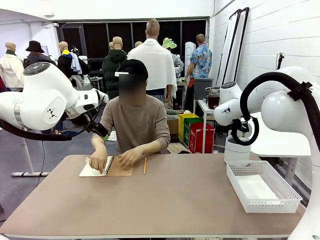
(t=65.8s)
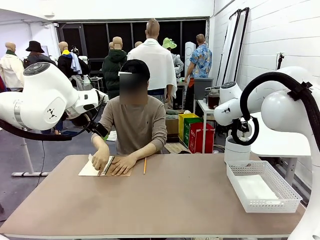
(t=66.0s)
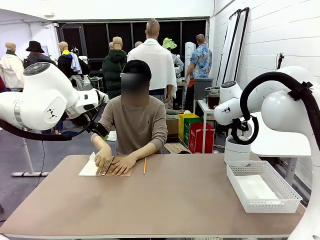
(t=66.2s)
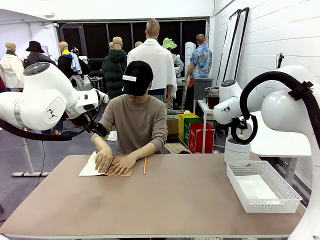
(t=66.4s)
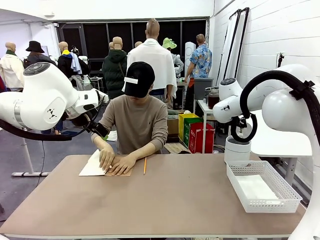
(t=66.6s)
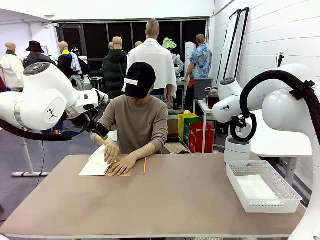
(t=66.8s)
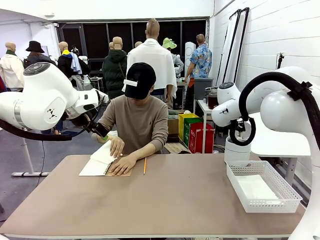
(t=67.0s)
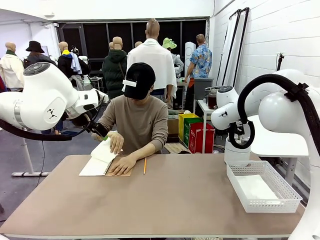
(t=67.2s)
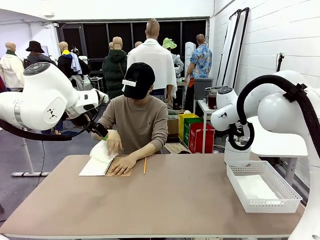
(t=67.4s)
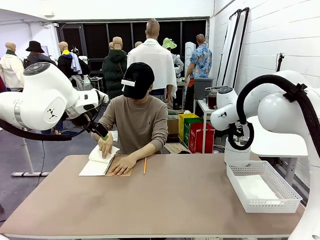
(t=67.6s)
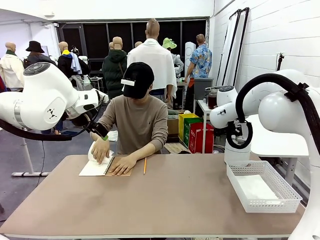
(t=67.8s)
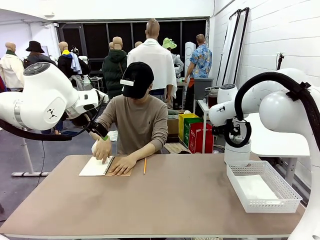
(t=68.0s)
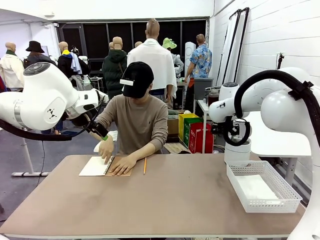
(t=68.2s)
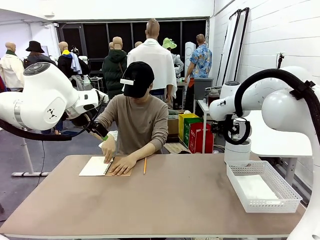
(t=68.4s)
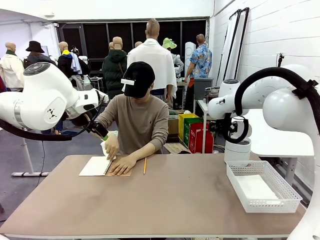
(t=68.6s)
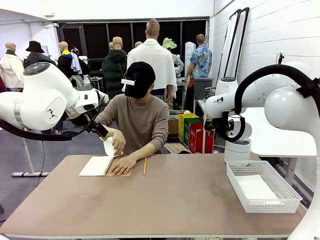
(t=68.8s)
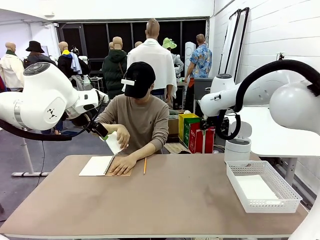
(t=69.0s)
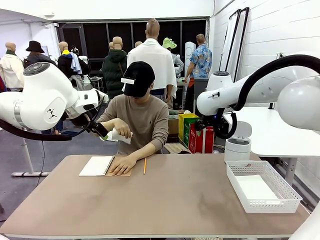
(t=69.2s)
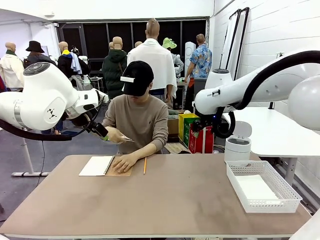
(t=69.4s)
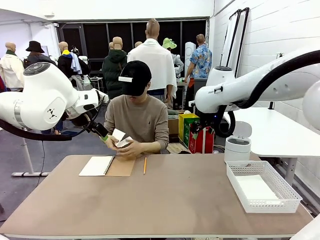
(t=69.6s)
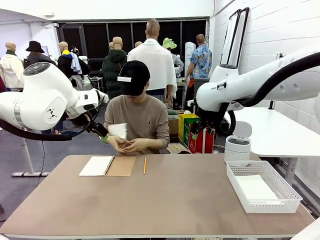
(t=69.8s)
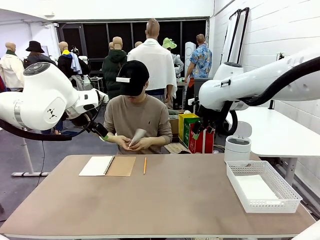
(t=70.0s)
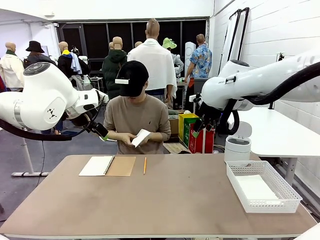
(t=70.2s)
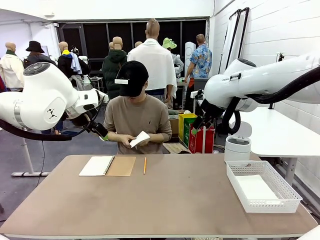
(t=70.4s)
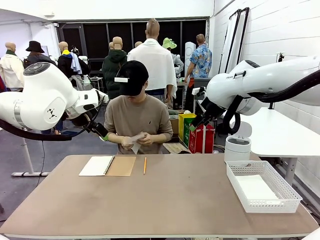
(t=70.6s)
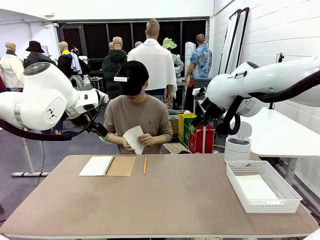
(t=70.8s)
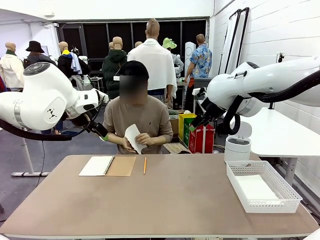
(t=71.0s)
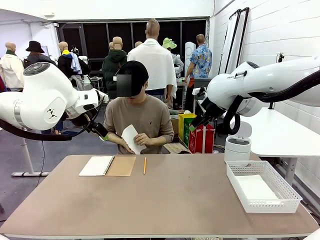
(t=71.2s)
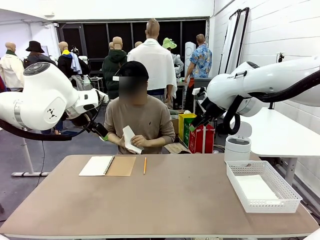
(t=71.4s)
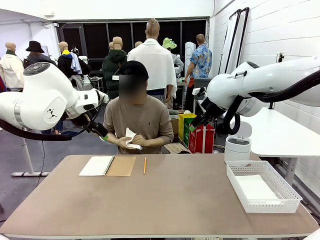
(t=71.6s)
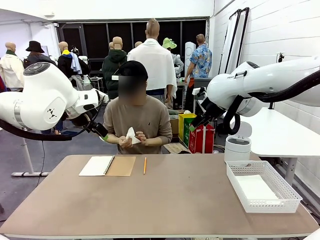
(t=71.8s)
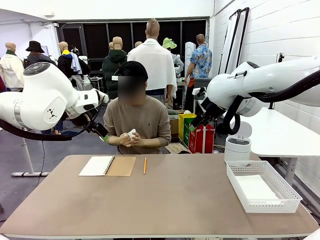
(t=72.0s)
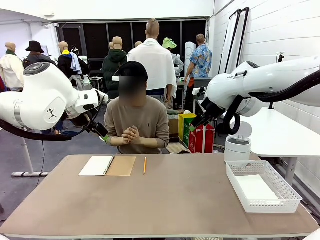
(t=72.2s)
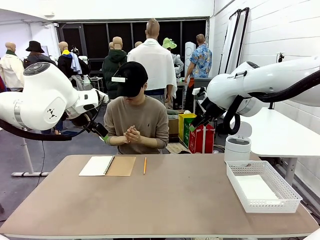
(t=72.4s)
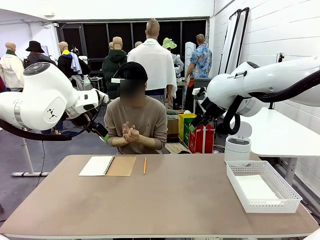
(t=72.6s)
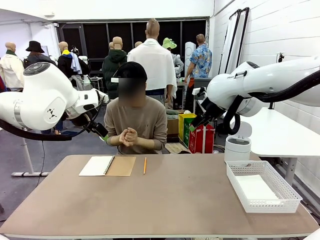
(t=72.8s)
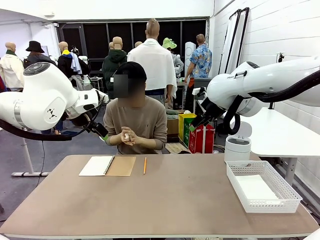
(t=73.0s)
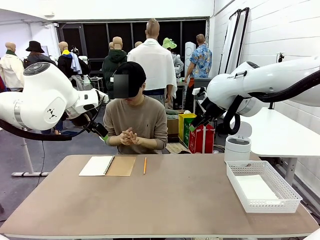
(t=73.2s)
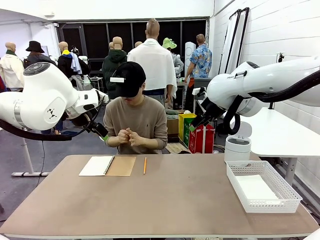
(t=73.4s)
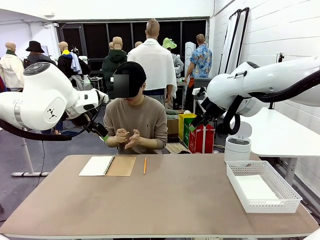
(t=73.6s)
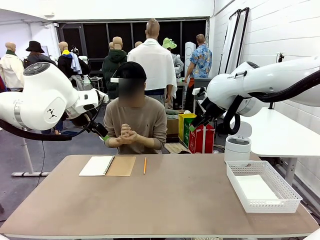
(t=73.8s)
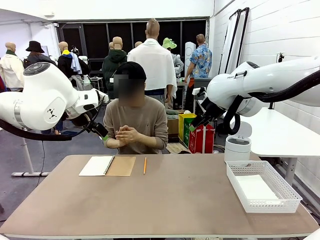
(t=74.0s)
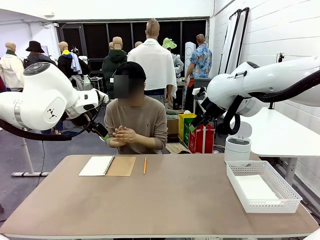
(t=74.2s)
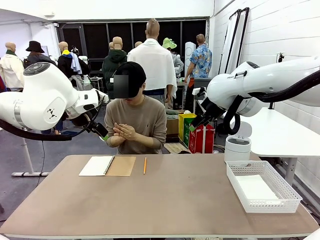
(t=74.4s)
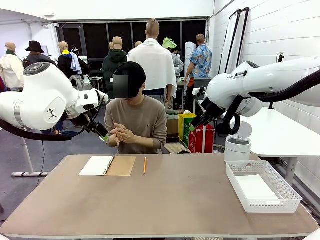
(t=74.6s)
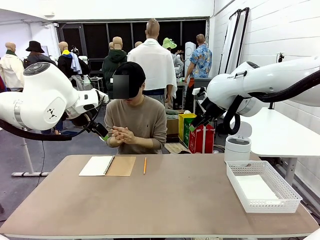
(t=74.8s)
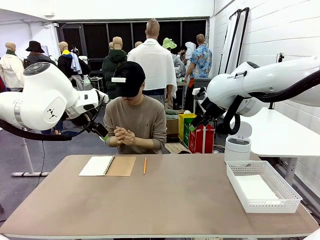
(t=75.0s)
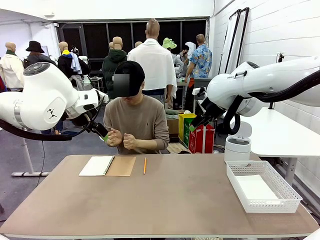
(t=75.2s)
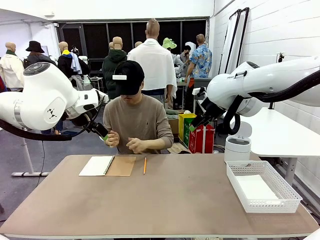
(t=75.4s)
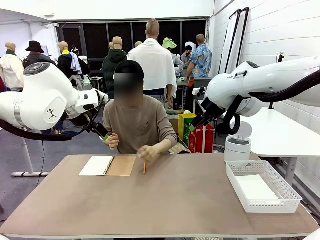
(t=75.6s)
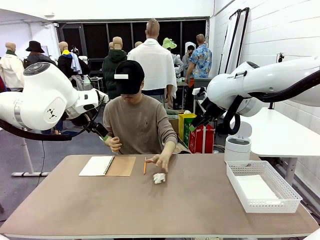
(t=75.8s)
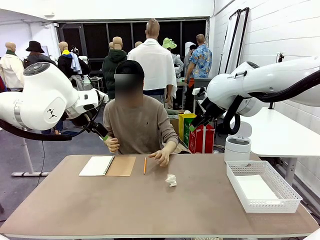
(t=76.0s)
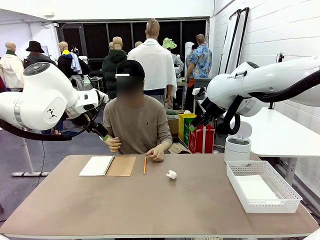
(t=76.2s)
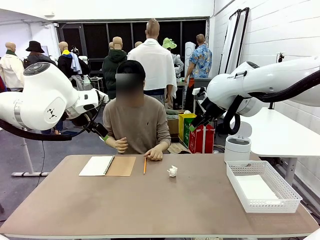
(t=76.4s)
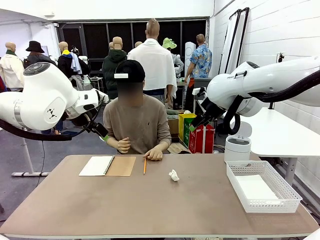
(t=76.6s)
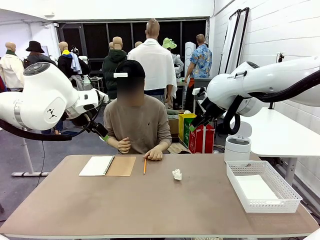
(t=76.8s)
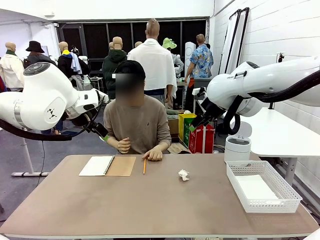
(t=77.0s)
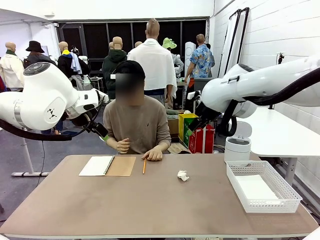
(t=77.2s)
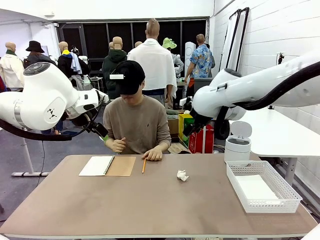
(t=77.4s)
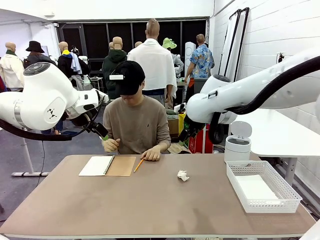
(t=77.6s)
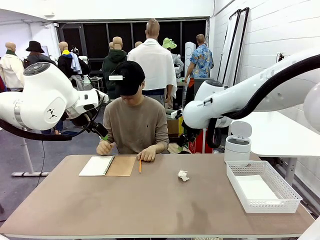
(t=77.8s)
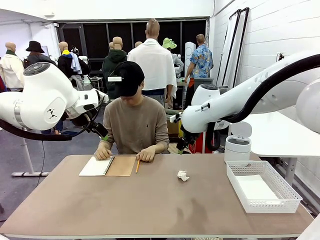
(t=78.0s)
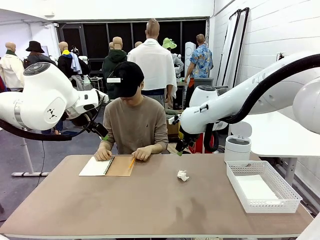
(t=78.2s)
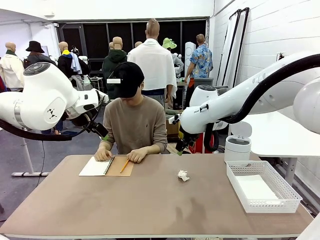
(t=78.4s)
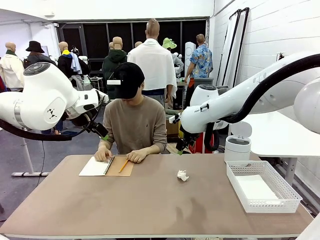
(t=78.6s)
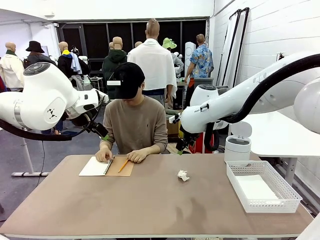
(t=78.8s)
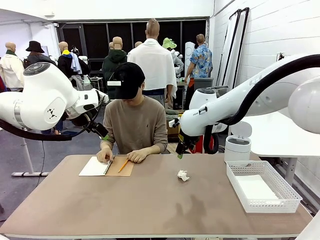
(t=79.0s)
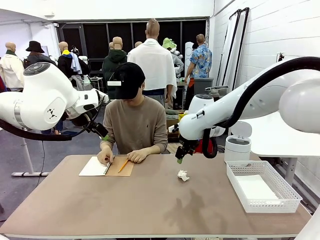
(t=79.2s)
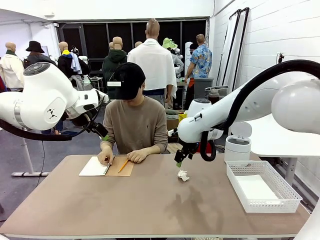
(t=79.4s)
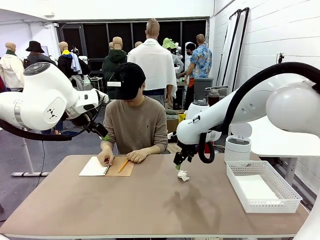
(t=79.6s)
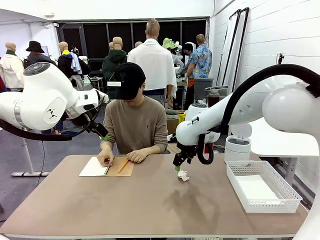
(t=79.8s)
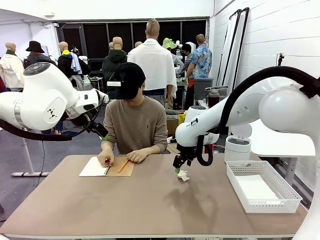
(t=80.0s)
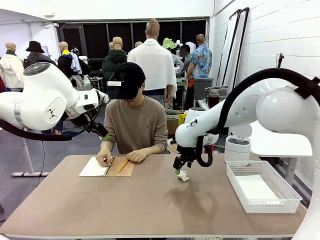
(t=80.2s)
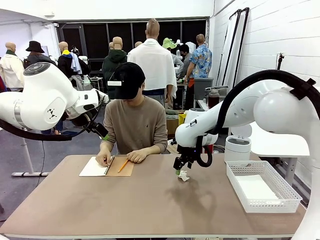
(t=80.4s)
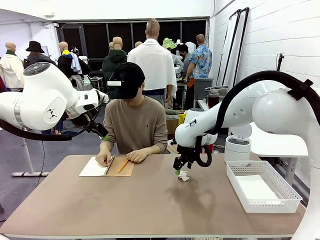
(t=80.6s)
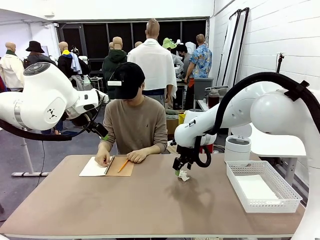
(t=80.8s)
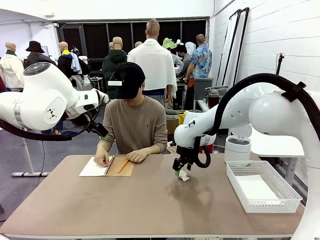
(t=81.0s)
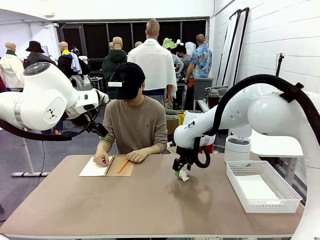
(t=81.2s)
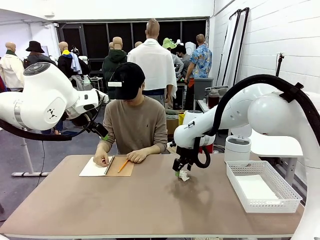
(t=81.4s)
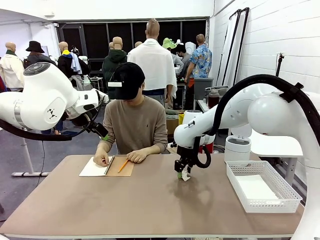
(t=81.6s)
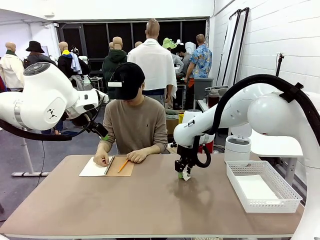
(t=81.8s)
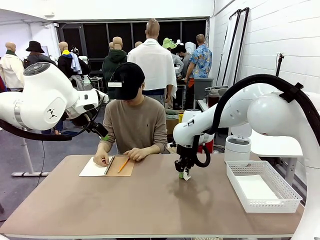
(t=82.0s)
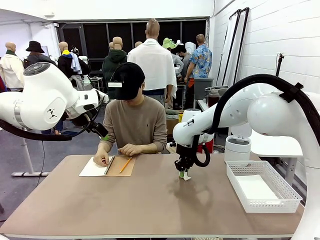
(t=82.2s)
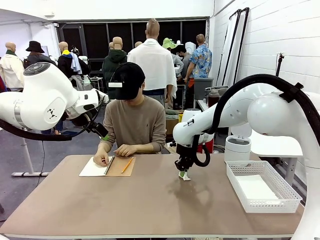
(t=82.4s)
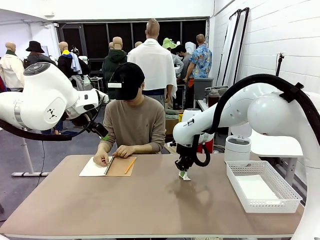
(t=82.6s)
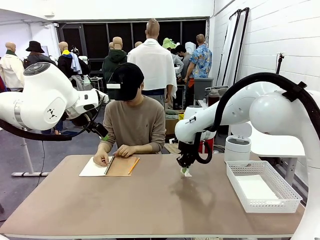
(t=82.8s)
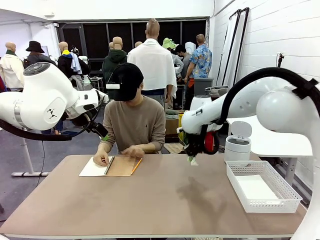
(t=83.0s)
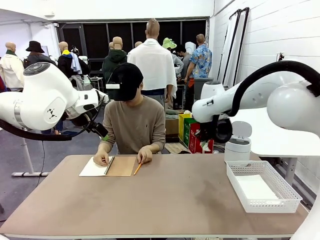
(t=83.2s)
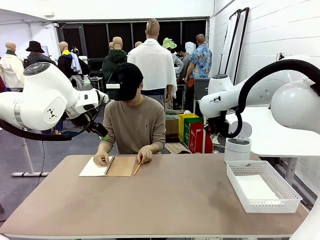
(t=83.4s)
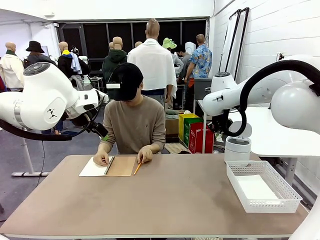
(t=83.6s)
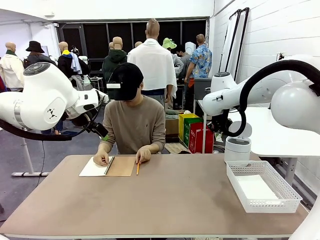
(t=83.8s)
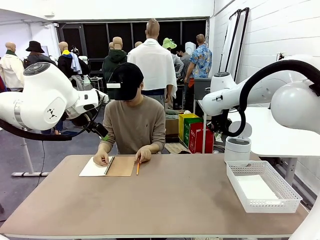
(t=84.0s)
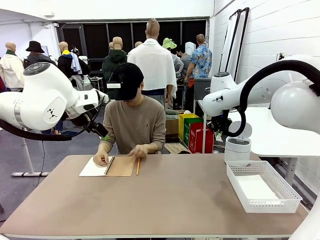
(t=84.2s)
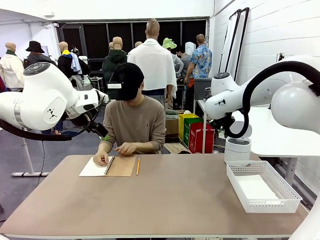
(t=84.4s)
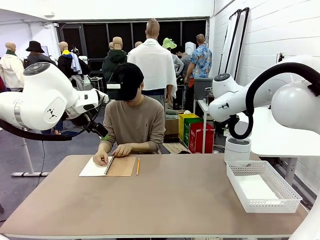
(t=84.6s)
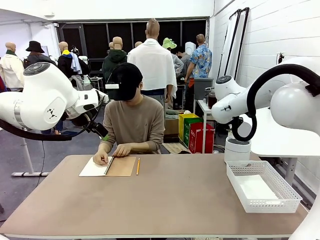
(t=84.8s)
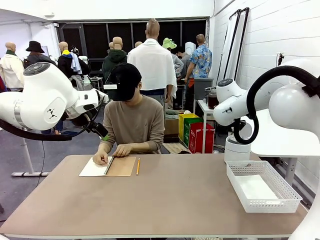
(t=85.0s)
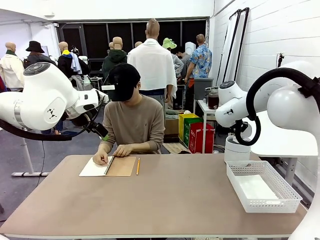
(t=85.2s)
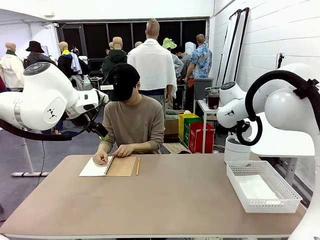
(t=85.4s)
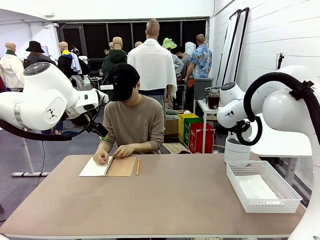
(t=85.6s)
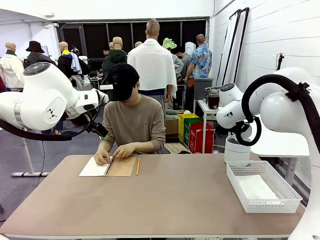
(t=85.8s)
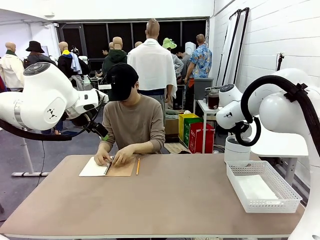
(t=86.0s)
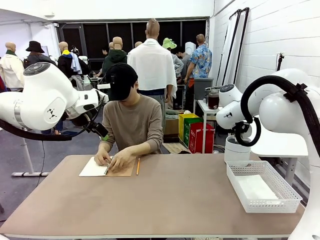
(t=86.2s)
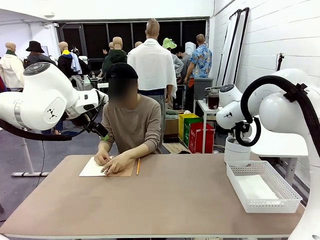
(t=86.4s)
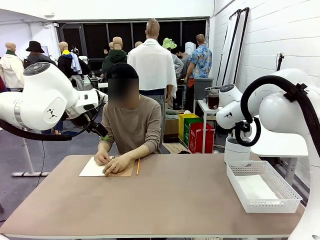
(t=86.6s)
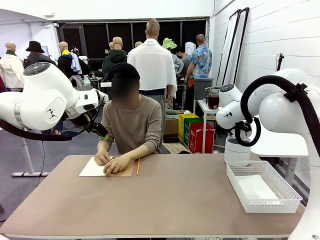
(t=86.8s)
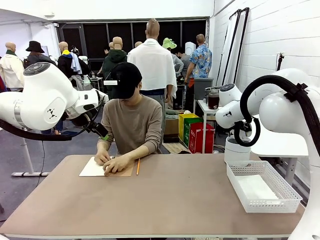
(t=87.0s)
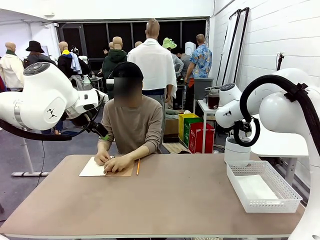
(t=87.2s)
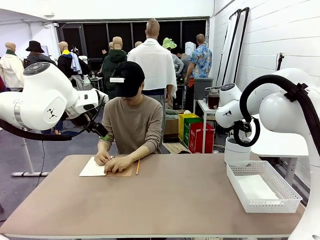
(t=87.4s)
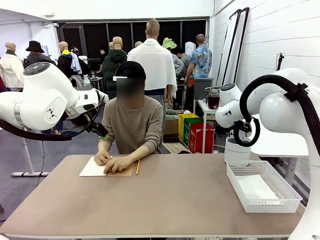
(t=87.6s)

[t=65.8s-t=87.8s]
Task: Sort the paper based on its condition.
Robot: If a person hands you a paper, place it in the Organizing basket , and if it's crumpled, put it in the Trash can.
Person: Hand the torn page to the robot or crumple it and throw it to the center of the table.
